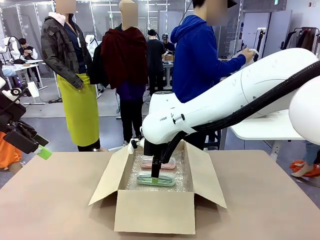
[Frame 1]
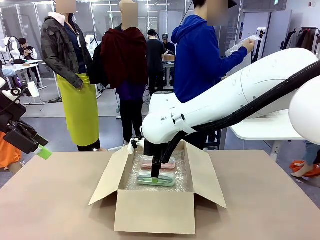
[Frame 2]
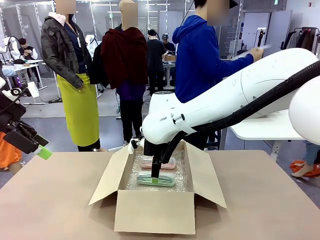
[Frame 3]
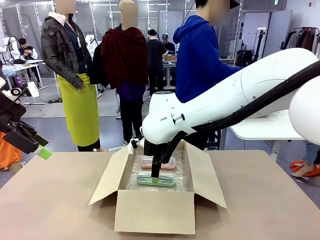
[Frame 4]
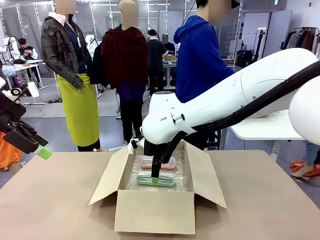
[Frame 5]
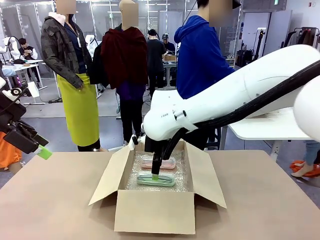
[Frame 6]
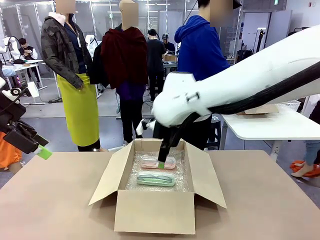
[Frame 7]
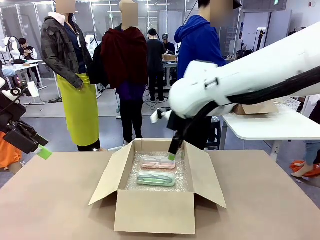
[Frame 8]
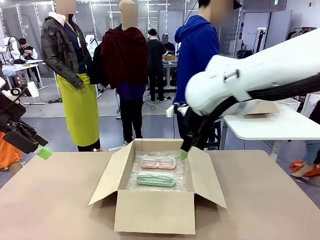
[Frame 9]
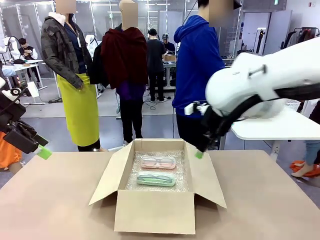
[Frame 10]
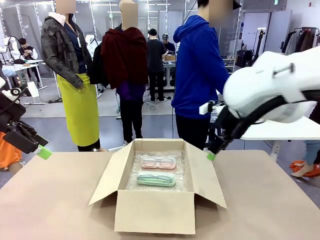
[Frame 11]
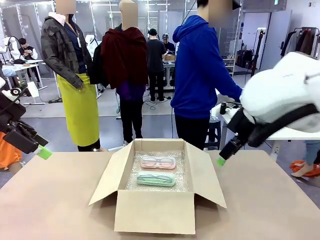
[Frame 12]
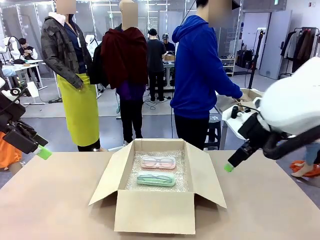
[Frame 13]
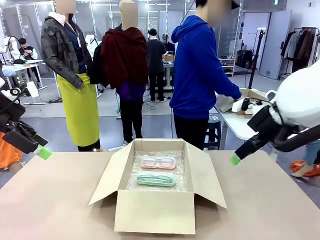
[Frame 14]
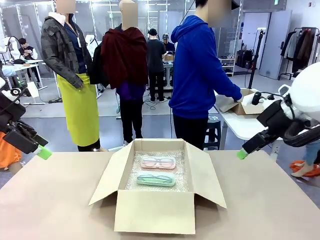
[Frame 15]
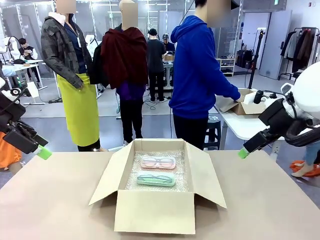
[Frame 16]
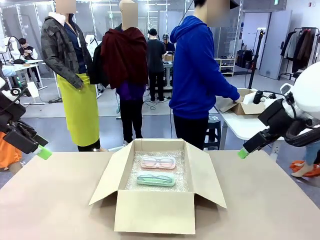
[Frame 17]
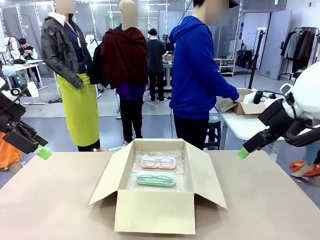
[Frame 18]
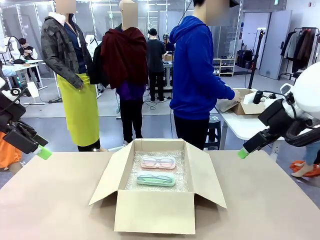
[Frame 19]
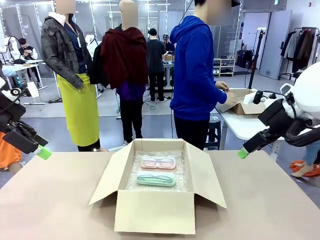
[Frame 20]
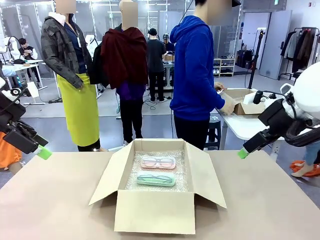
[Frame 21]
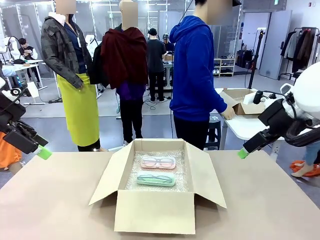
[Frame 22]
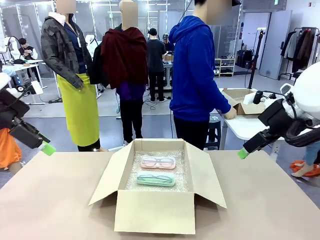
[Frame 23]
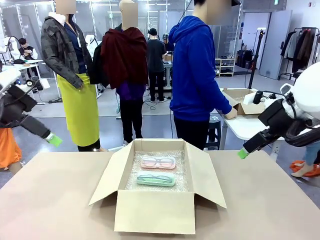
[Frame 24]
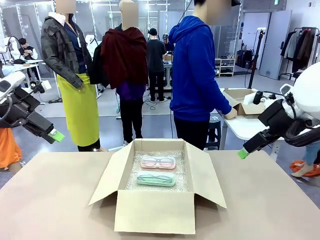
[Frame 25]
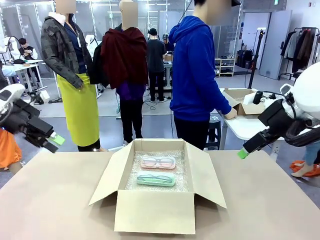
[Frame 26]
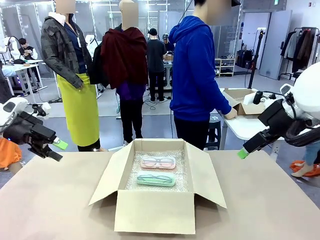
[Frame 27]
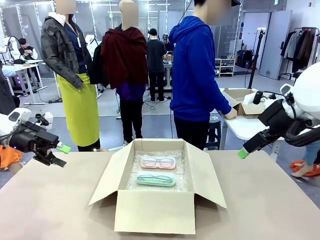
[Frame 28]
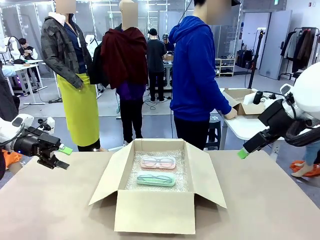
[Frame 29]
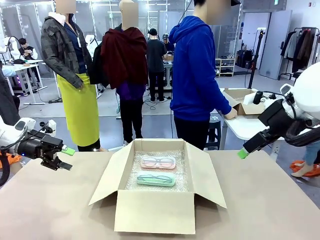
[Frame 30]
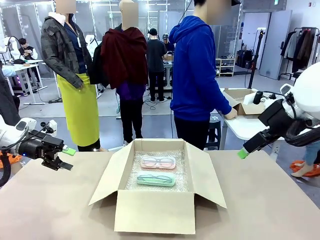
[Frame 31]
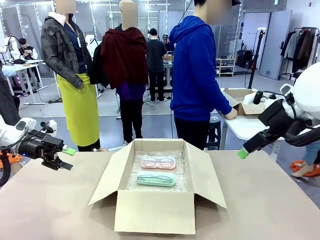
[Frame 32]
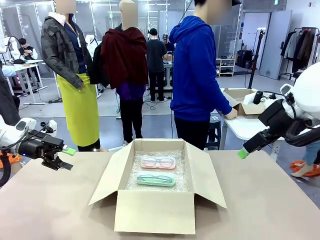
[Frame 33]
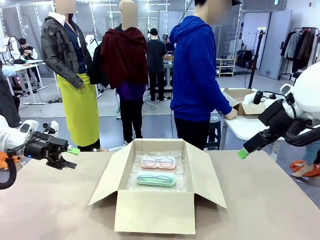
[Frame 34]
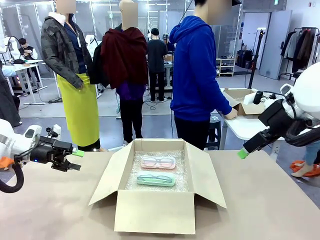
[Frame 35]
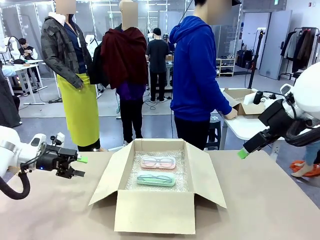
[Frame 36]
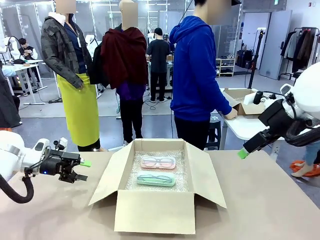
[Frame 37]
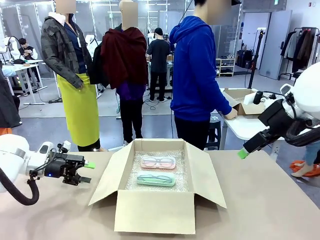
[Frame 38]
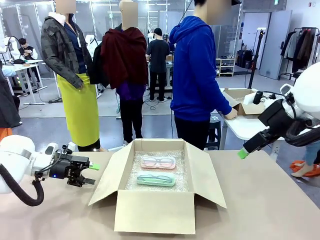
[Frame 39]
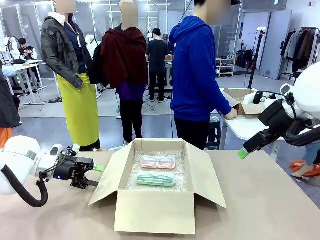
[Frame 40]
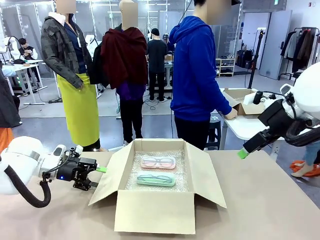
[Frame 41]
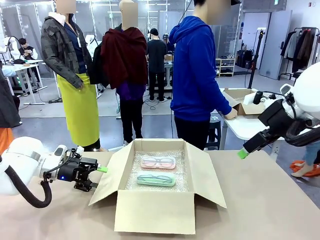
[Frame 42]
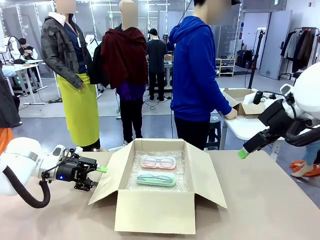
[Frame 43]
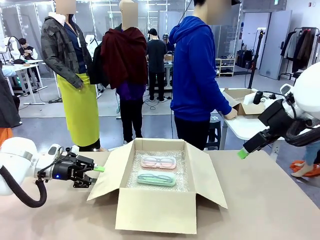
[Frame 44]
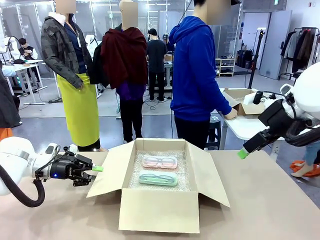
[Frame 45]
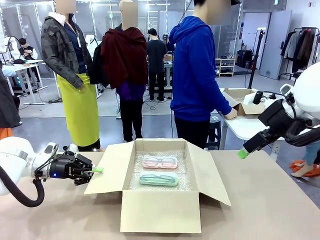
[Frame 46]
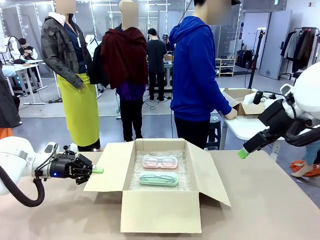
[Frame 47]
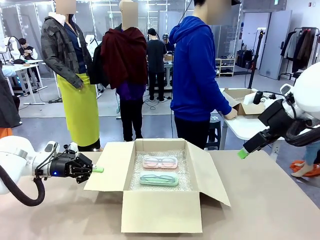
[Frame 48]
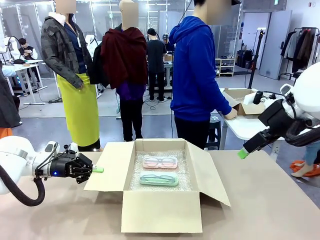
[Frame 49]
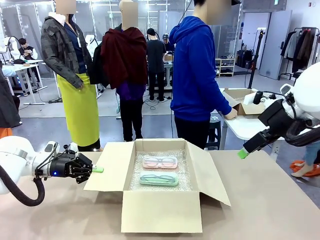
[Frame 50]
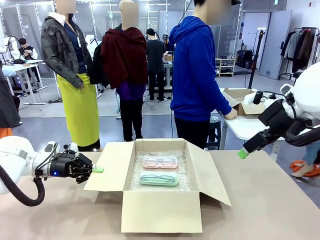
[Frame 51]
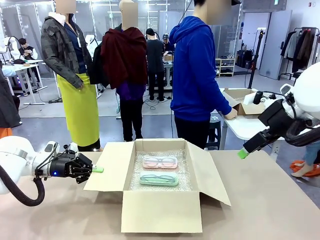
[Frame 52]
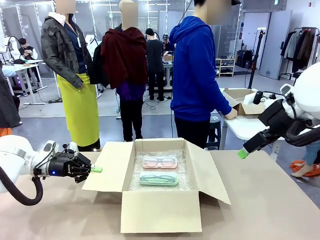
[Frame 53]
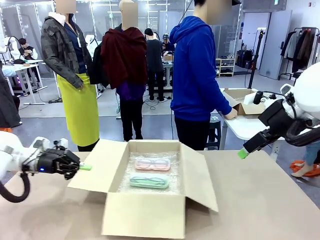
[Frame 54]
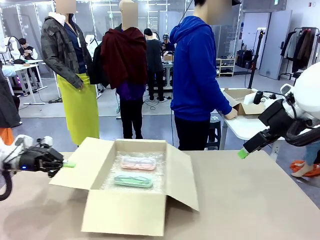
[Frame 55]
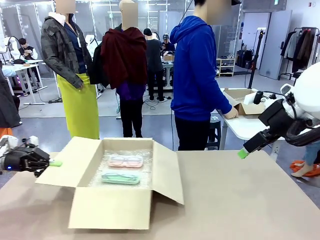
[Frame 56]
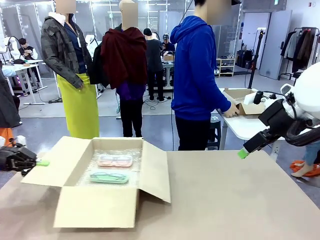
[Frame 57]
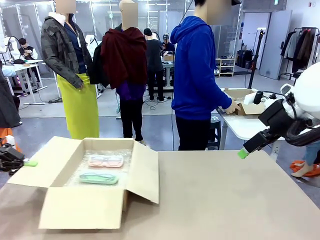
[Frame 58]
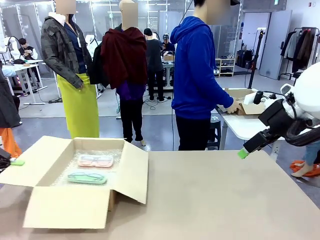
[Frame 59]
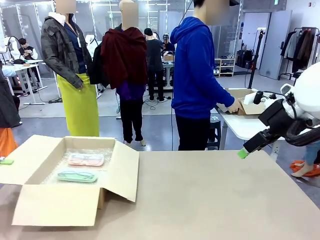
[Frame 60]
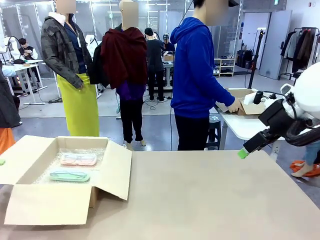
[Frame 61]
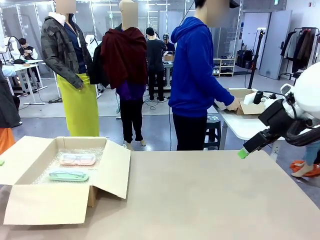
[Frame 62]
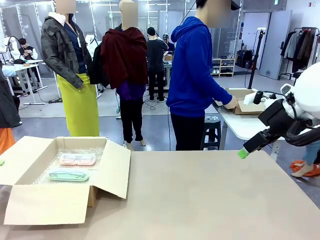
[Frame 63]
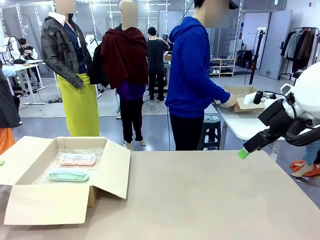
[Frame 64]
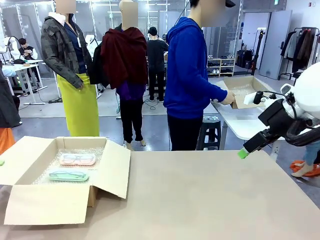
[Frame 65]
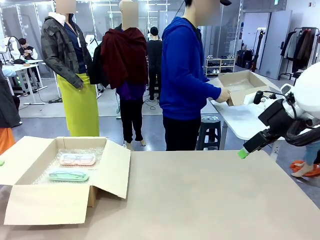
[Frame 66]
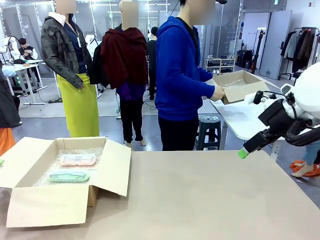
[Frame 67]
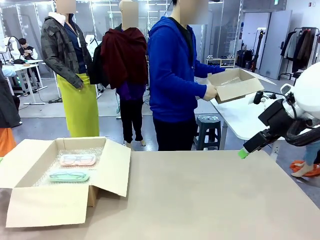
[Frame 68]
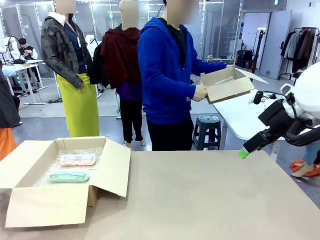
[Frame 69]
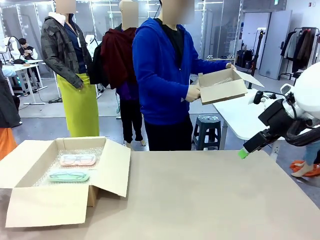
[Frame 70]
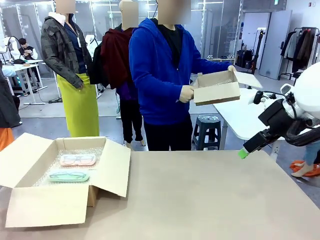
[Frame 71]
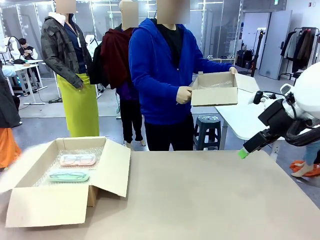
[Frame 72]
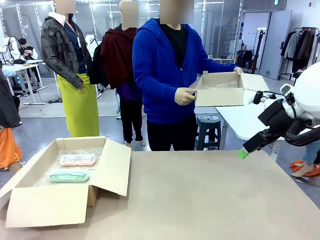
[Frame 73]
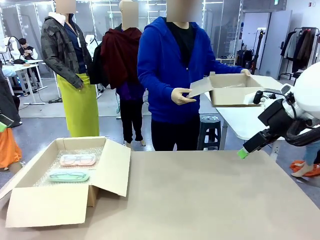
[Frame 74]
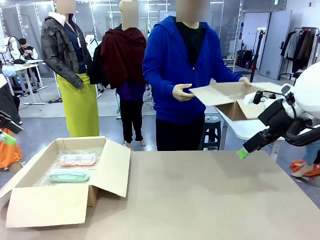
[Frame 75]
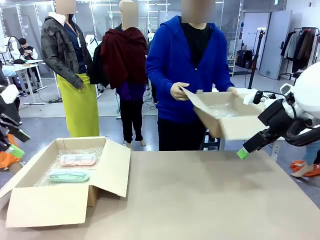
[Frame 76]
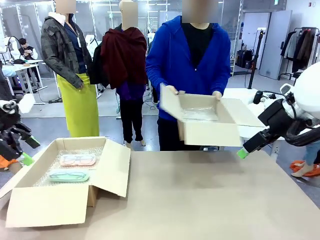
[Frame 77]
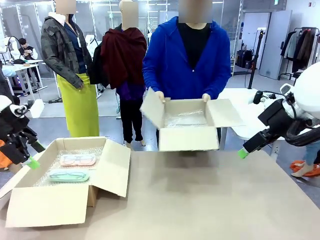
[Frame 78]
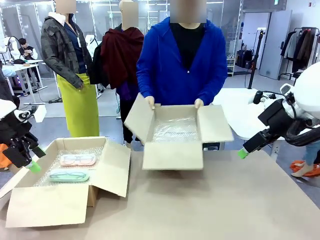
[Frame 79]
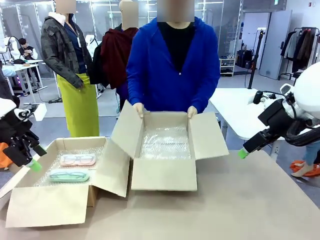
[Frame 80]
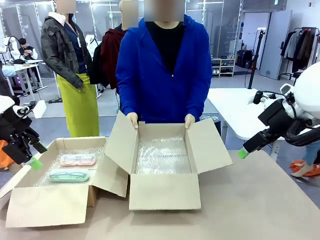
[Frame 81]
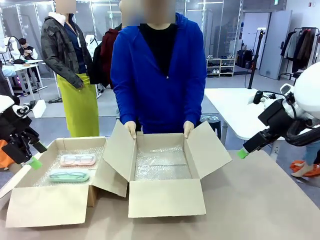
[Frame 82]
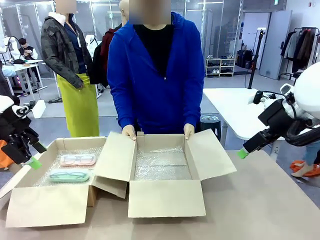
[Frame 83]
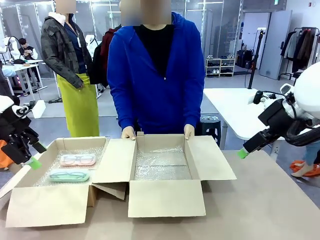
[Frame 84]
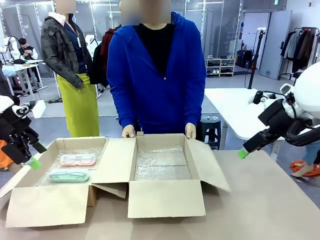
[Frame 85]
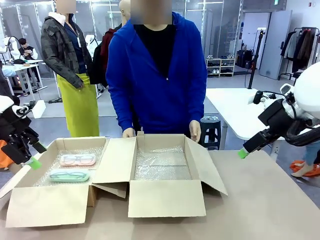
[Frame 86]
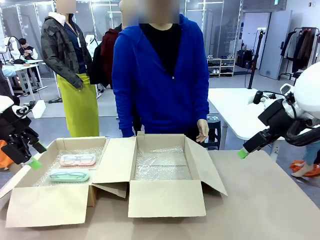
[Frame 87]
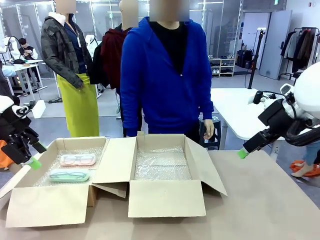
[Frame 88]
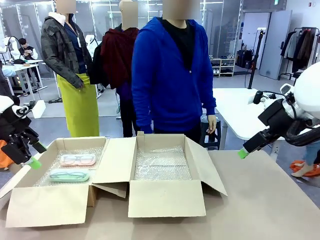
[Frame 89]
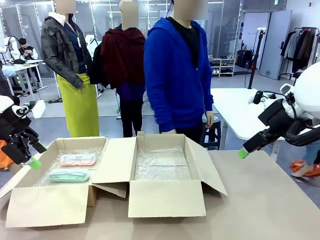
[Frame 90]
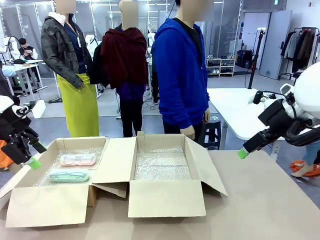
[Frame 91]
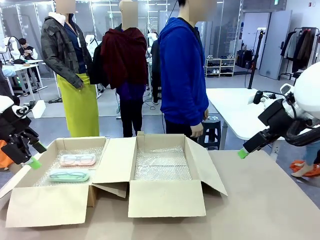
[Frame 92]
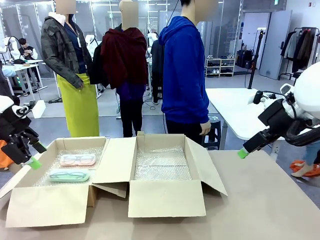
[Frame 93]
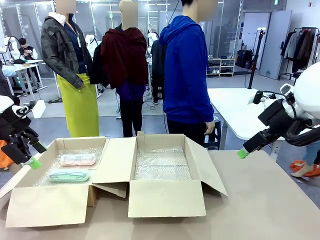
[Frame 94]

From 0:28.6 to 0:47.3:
Task: Pack the glasses set securely to prepare it for shipping.
Robot: Position the Package Box on the left side of the table.
Person: Position the empty Package Box in the middle of the robot's table.
